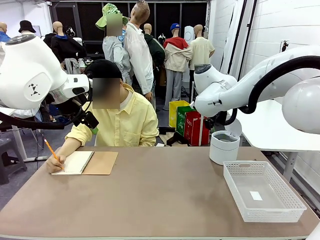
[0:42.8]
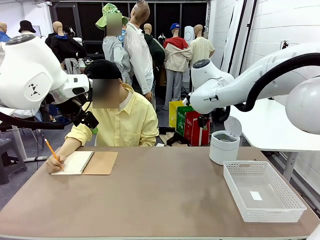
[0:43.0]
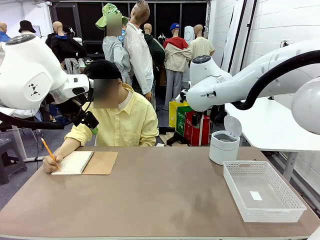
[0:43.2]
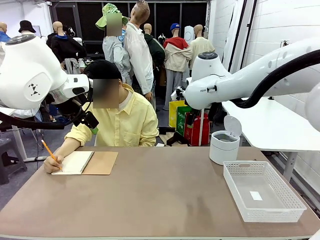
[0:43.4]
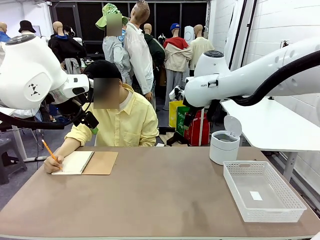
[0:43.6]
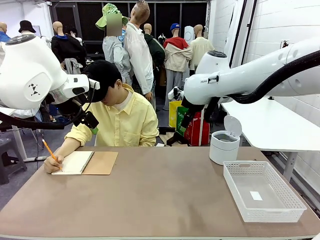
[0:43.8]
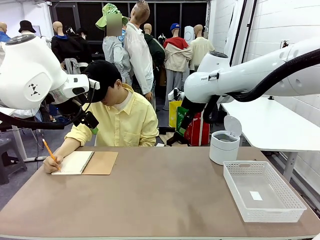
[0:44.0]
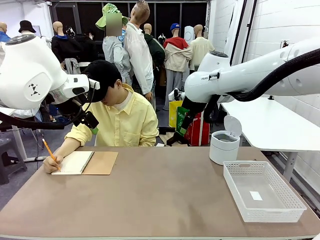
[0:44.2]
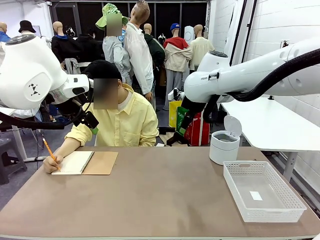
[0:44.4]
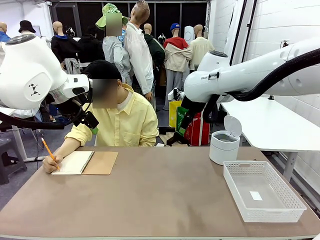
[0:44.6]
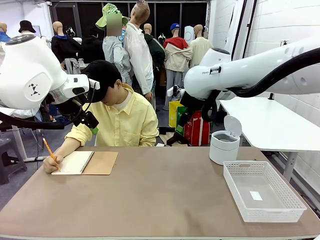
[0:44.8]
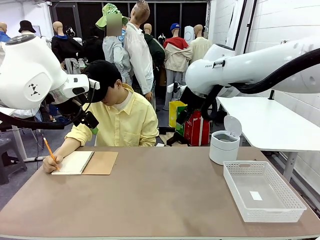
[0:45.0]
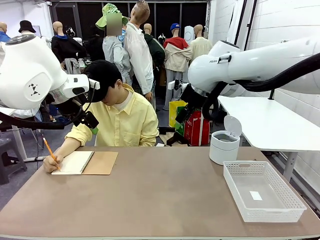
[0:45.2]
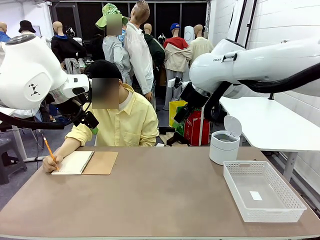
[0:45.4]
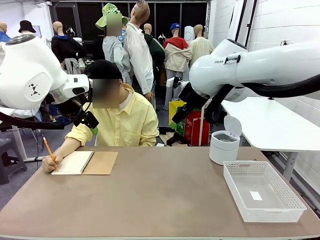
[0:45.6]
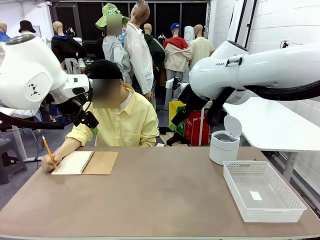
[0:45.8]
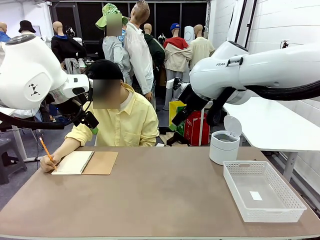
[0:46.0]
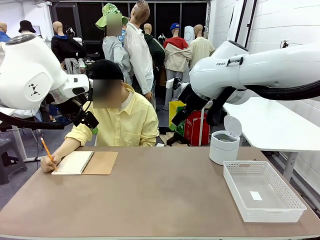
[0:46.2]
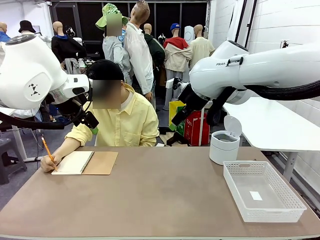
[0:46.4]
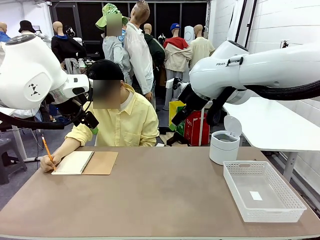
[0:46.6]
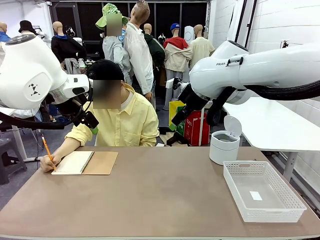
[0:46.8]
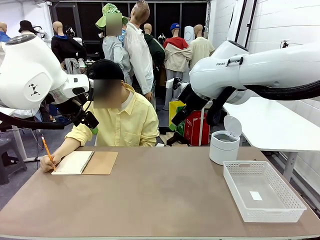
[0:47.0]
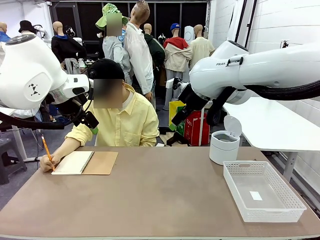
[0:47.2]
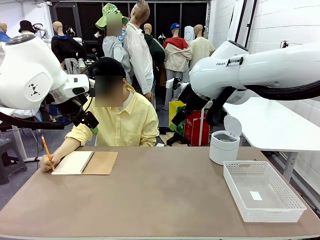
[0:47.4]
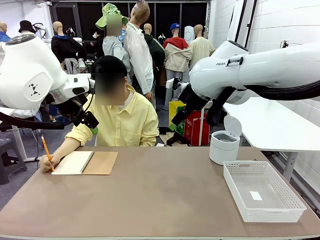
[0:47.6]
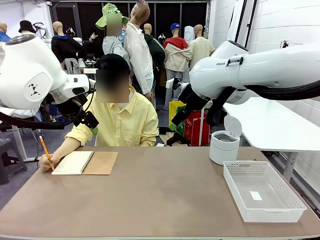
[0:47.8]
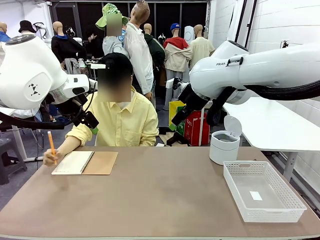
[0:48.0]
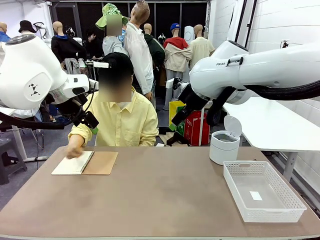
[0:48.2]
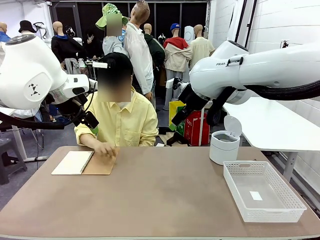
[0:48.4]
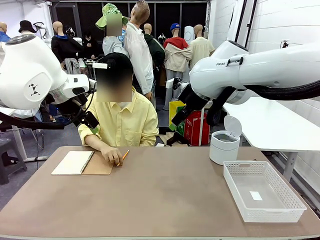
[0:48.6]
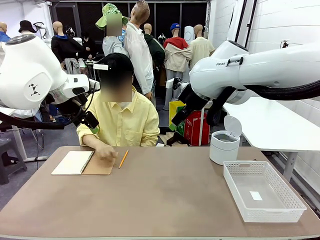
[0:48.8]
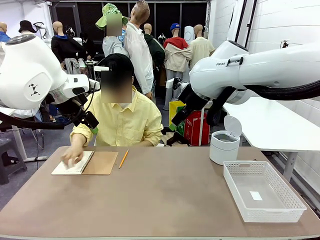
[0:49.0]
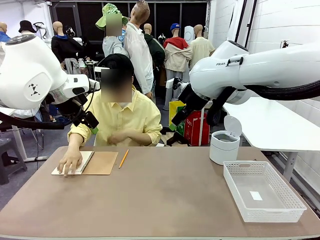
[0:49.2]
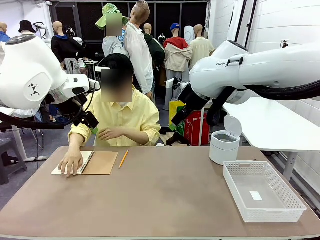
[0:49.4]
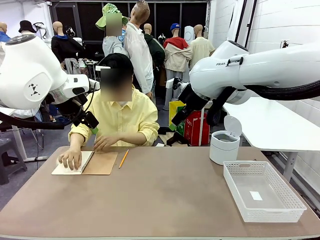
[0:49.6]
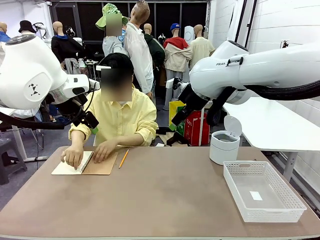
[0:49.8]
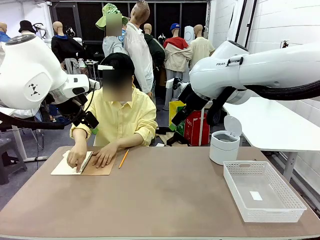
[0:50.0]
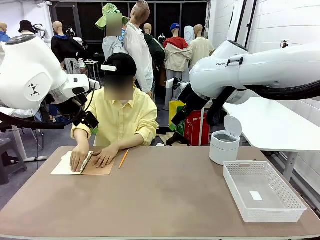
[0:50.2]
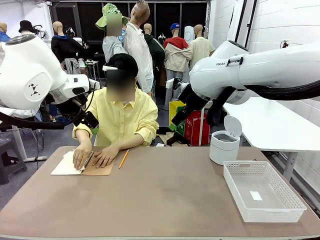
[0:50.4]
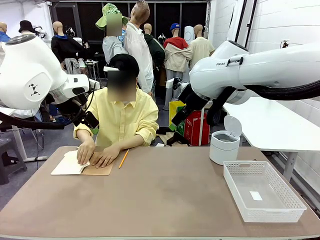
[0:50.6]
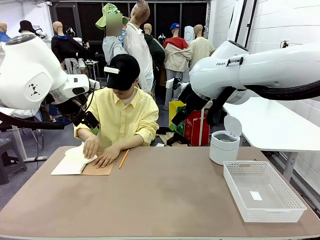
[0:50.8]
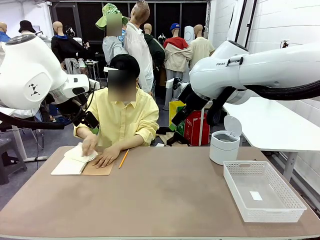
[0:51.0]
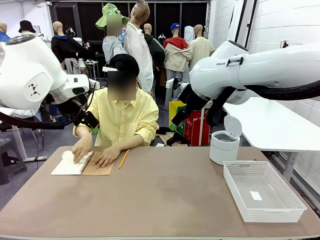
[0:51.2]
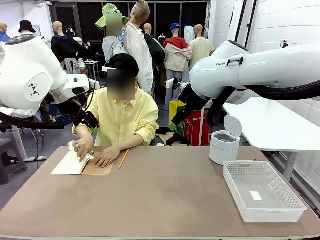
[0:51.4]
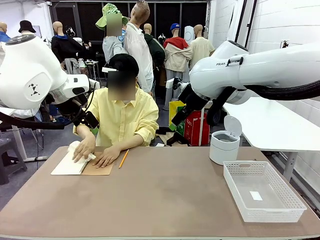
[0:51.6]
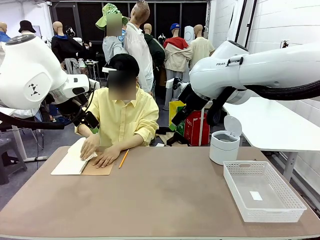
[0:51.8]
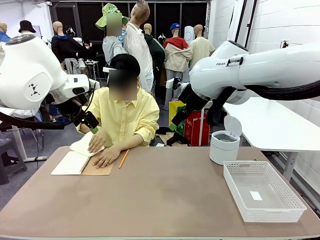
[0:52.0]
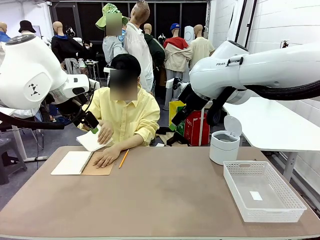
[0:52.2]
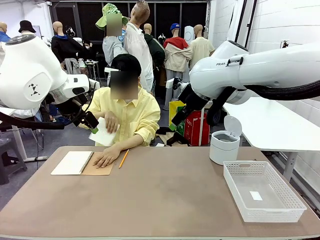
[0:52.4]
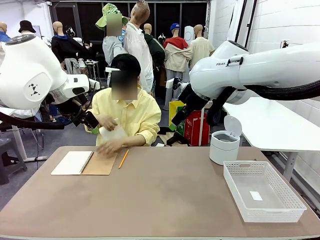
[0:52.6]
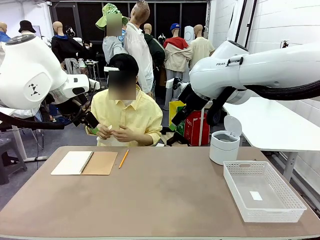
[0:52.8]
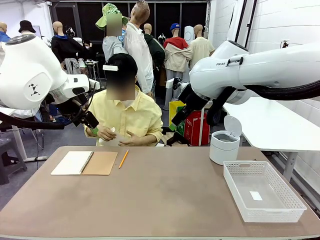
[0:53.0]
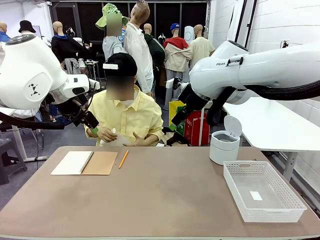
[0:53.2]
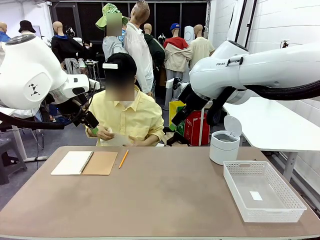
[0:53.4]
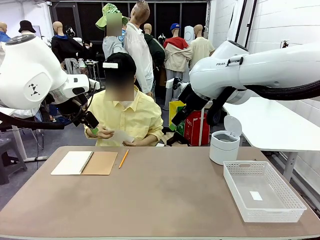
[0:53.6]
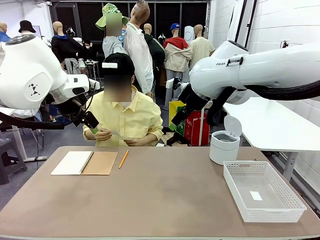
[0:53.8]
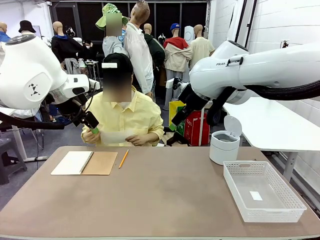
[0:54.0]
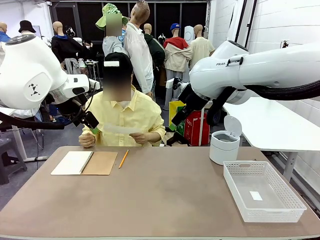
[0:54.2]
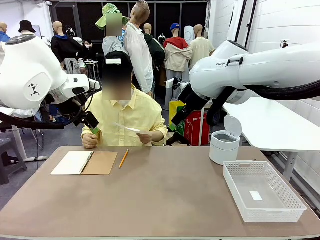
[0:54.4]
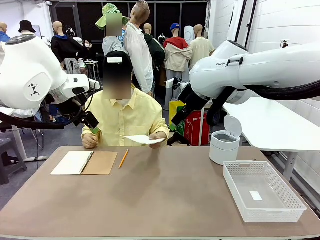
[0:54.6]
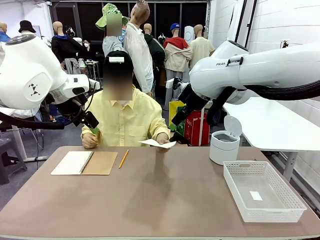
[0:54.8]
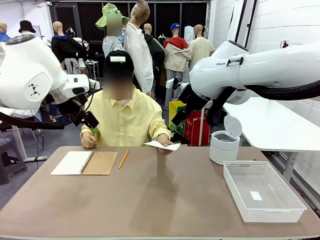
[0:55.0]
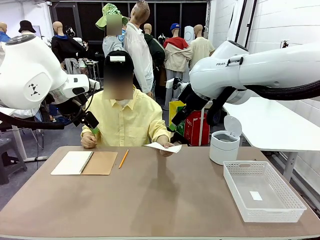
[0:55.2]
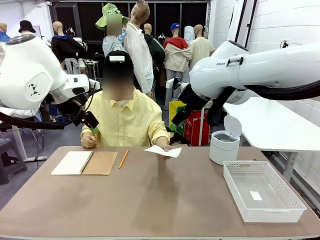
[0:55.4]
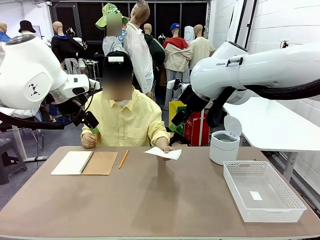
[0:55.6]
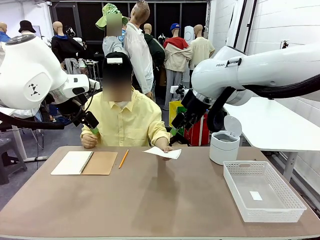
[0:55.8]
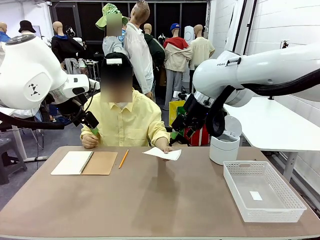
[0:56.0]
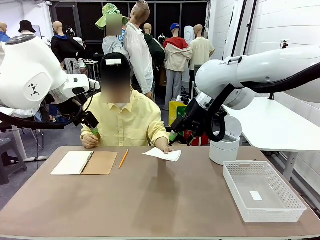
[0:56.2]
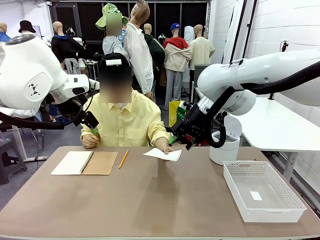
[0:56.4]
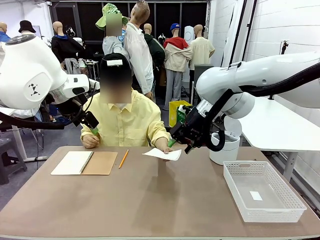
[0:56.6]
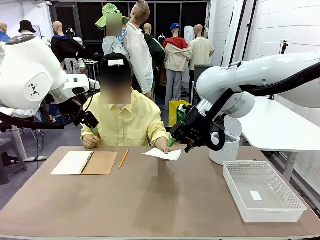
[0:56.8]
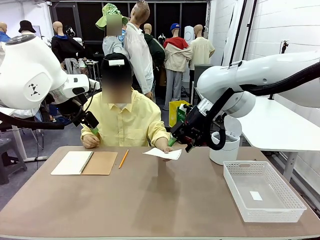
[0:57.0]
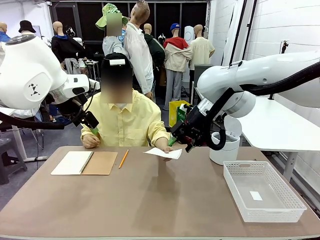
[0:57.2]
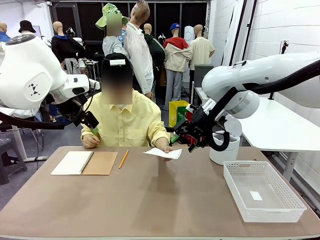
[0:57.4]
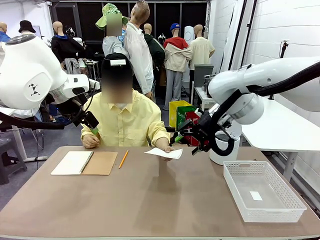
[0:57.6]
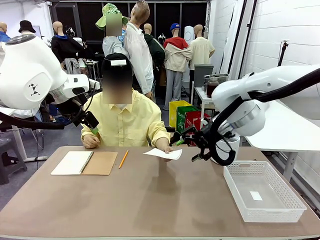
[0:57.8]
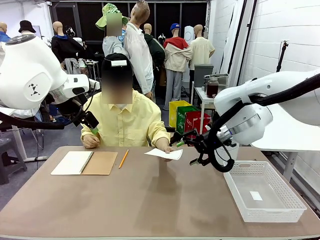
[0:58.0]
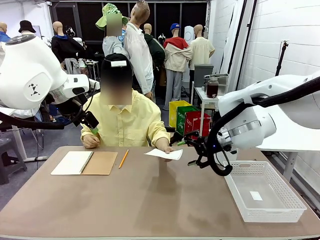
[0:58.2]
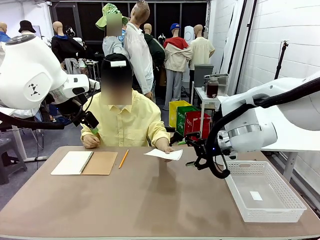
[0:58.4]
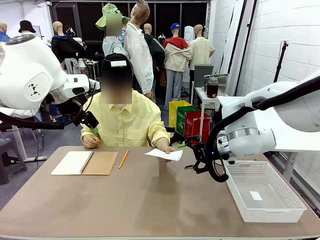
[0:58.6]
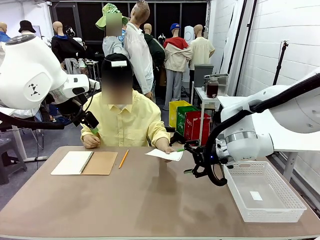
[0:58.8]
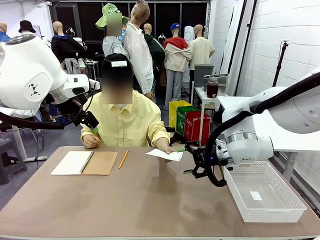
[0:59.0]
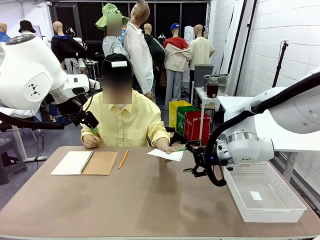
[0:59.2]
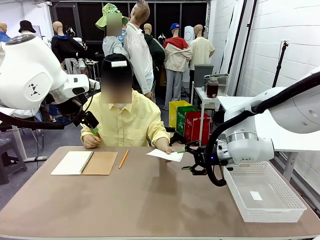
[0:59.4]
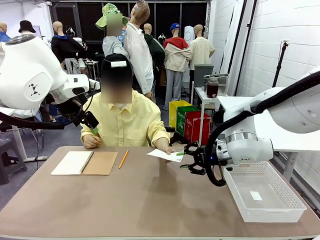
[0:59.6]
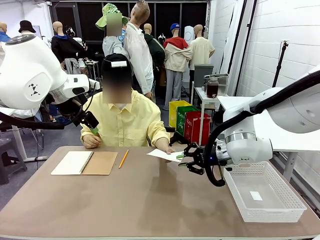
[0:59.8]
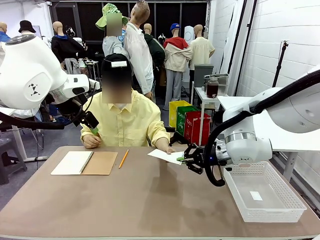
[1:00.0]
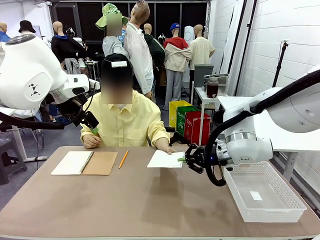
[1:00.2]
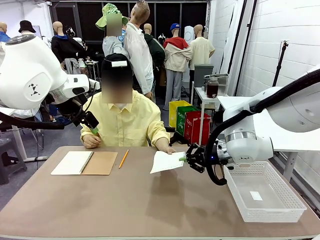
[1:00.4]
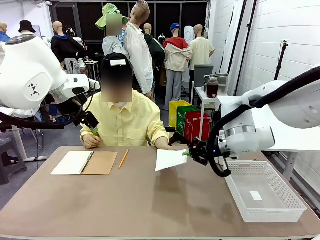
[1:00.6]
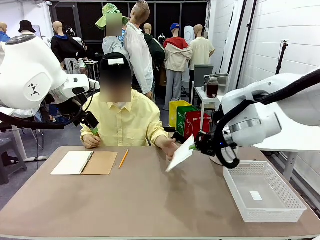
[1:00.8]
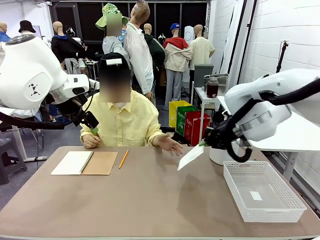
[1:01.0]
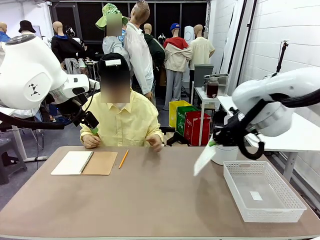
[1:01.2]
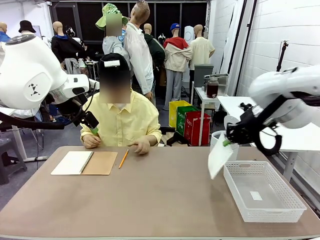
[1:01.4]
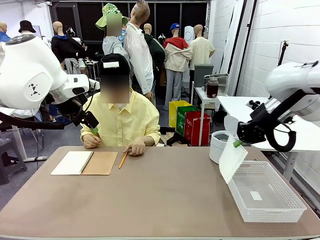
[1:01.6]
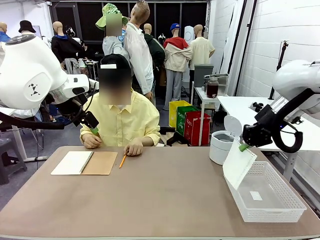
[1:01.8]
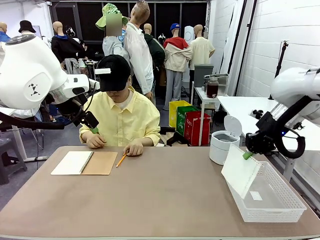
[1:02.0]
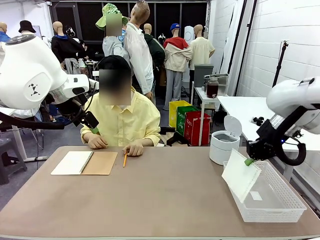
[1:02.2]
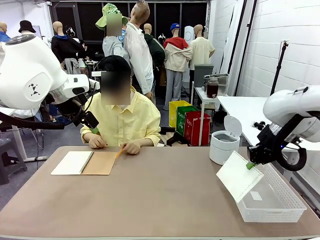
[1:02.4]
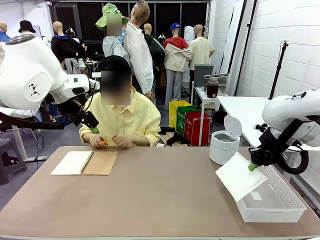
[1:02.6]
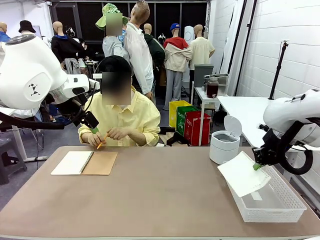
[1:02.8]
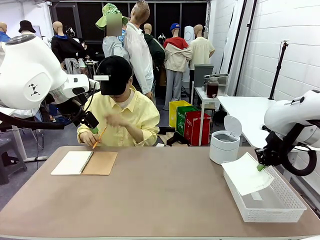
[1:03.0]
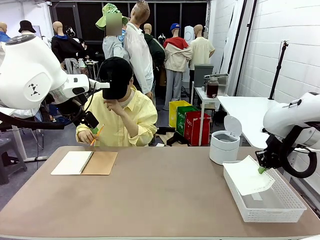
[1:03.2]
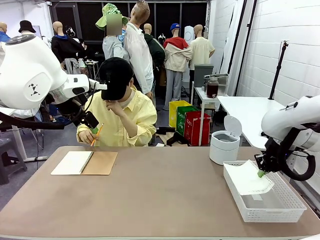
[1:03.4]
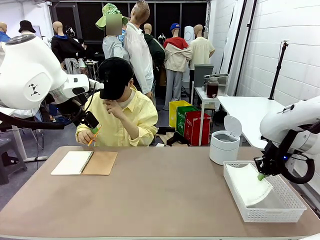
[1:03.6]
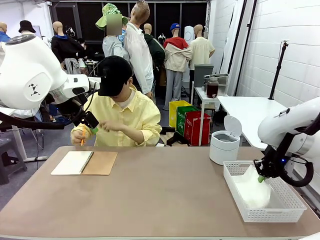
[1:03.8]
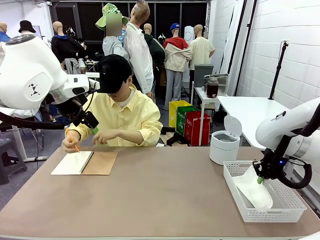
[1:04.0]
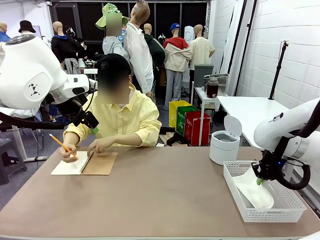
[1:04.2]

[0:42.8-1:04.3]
Task: Sort the paper based on its condition.
Robot: If a person hands you a paper, place it in the Organizing basket , and if it's crumpled, put it in the Trash can.
Person: Hand the torn page to the robot or crumple it and throw it to the center of the table.
